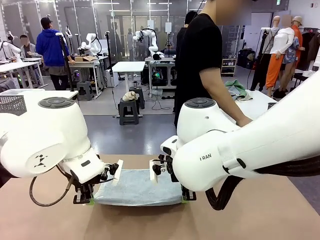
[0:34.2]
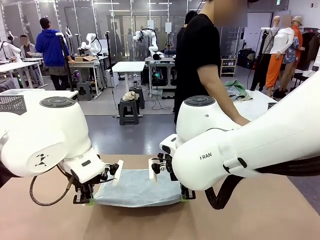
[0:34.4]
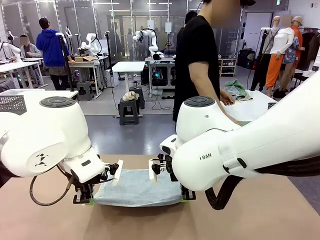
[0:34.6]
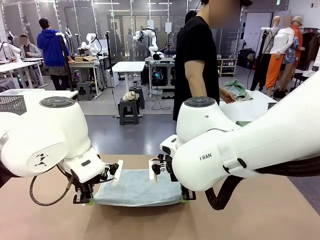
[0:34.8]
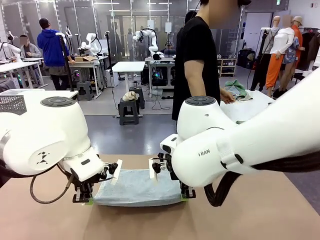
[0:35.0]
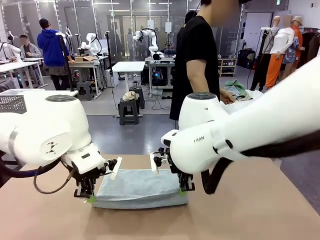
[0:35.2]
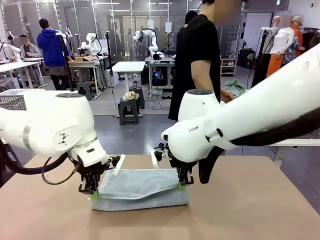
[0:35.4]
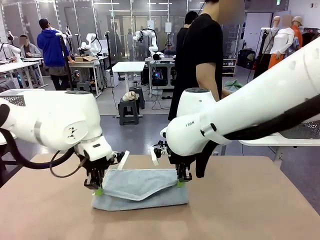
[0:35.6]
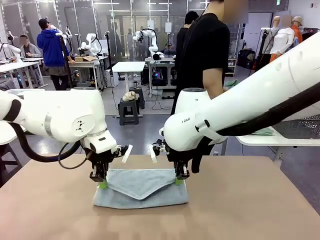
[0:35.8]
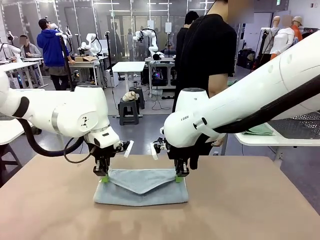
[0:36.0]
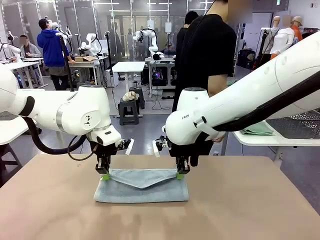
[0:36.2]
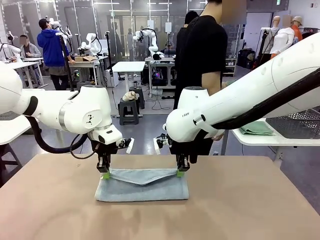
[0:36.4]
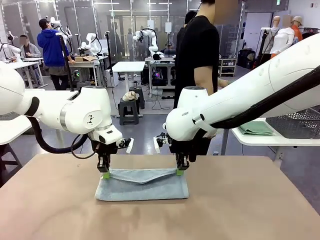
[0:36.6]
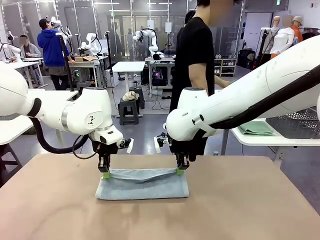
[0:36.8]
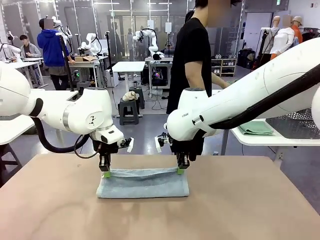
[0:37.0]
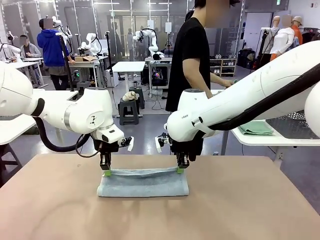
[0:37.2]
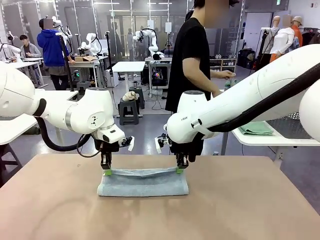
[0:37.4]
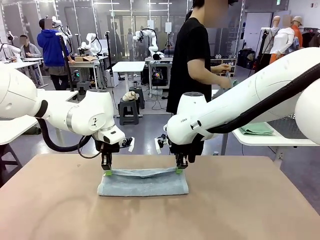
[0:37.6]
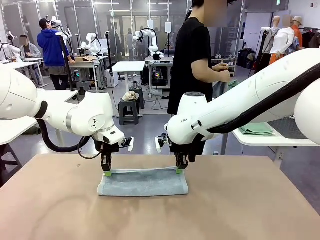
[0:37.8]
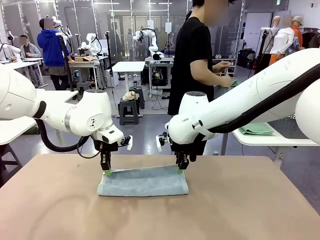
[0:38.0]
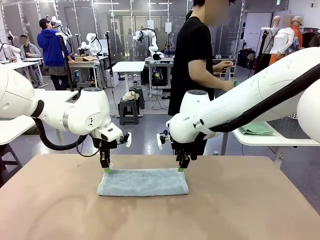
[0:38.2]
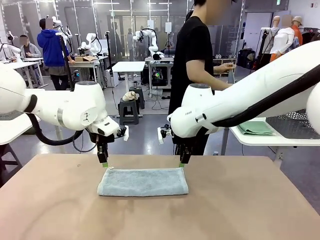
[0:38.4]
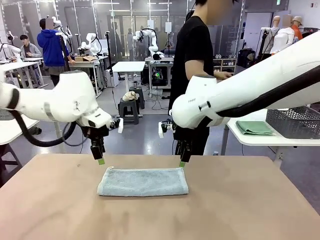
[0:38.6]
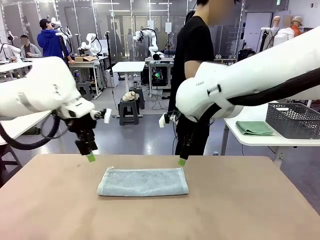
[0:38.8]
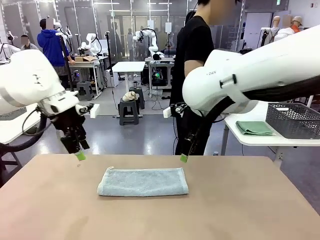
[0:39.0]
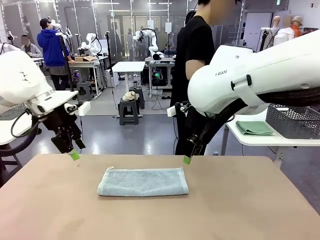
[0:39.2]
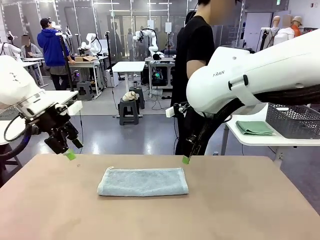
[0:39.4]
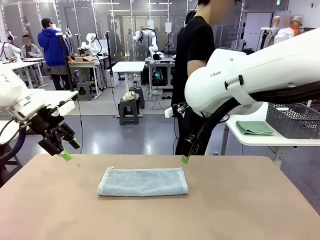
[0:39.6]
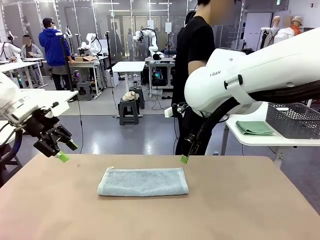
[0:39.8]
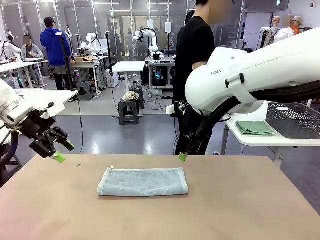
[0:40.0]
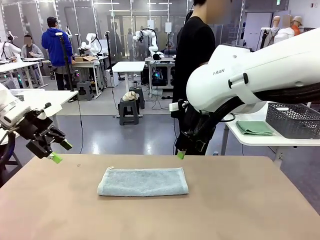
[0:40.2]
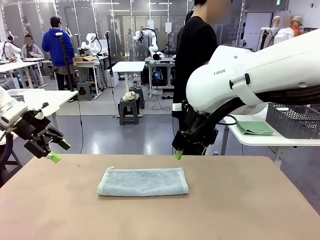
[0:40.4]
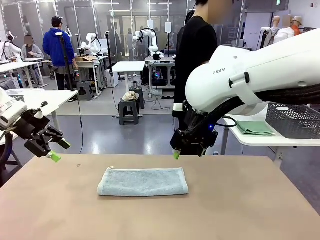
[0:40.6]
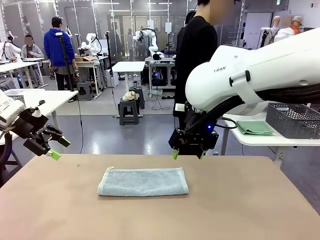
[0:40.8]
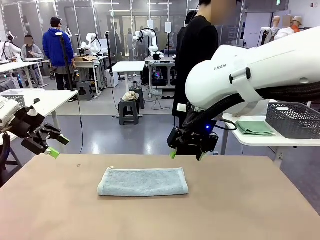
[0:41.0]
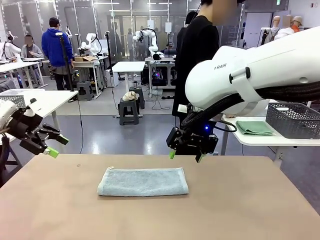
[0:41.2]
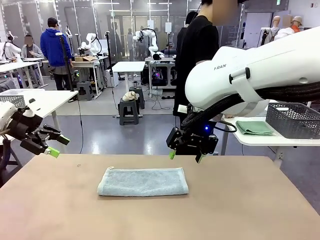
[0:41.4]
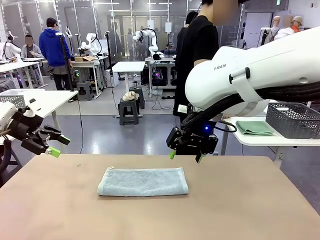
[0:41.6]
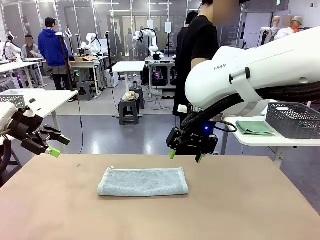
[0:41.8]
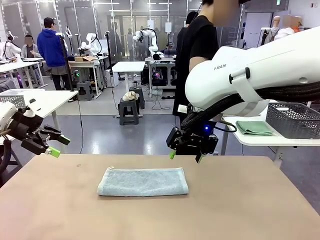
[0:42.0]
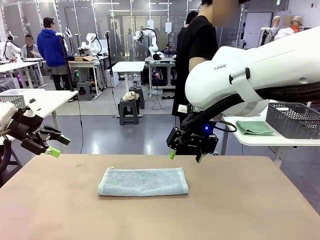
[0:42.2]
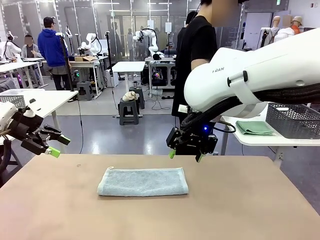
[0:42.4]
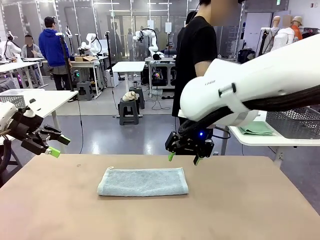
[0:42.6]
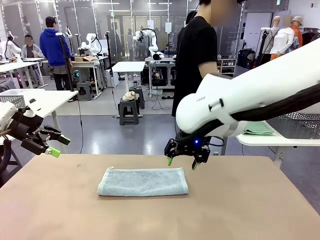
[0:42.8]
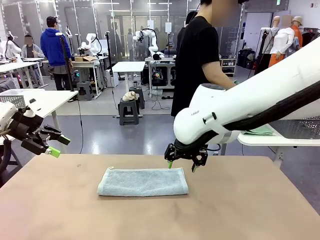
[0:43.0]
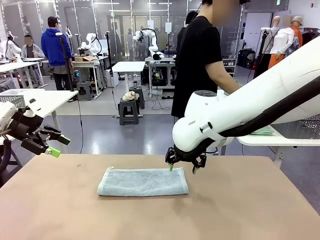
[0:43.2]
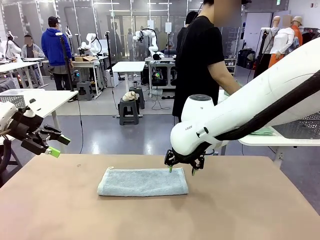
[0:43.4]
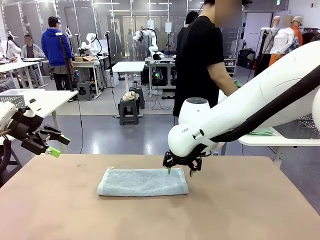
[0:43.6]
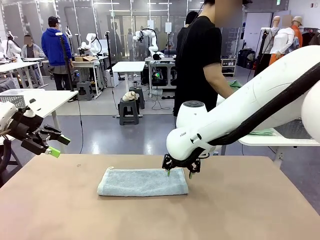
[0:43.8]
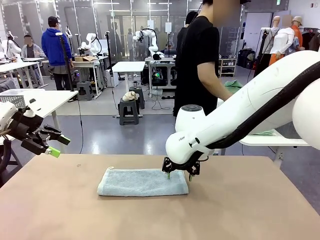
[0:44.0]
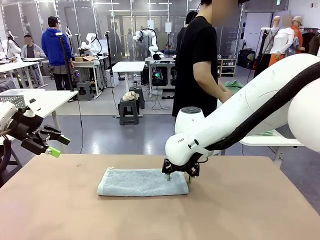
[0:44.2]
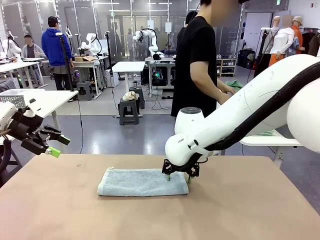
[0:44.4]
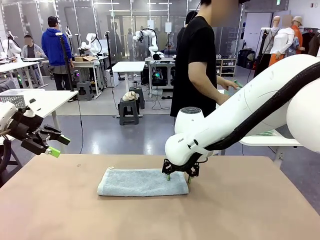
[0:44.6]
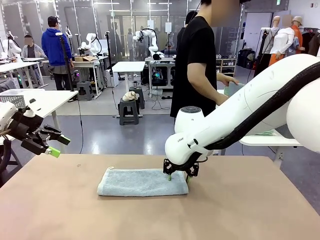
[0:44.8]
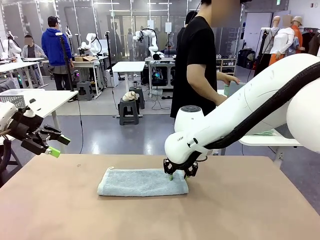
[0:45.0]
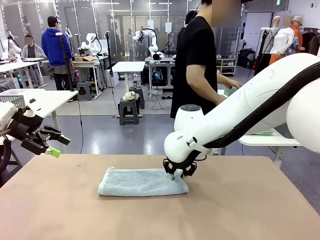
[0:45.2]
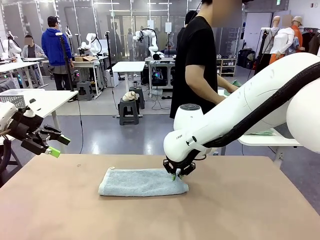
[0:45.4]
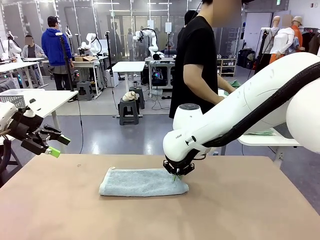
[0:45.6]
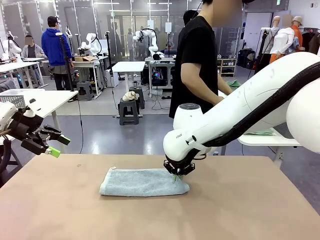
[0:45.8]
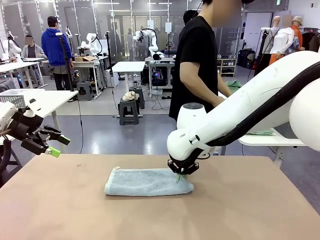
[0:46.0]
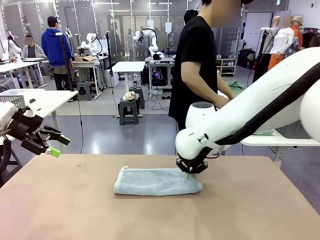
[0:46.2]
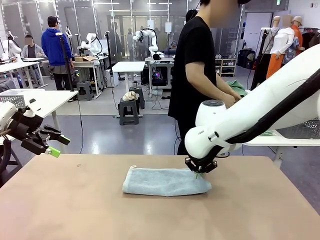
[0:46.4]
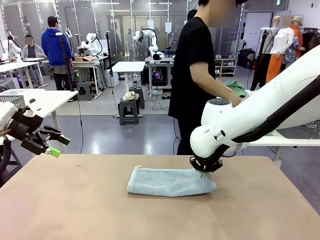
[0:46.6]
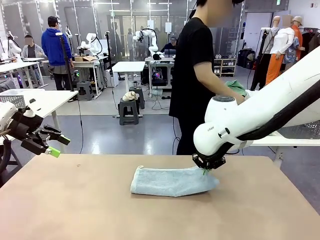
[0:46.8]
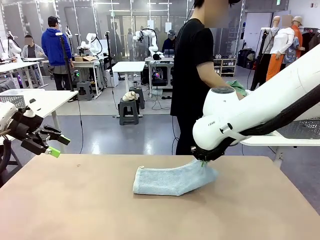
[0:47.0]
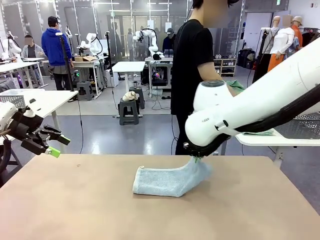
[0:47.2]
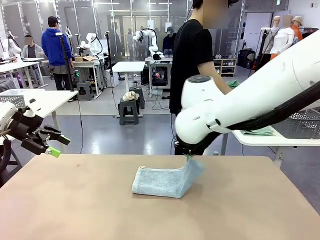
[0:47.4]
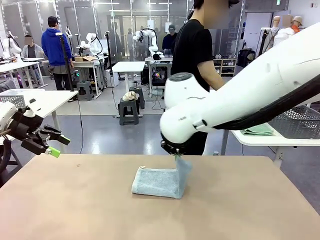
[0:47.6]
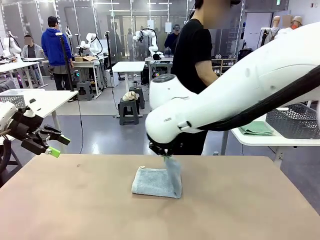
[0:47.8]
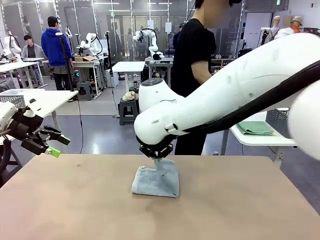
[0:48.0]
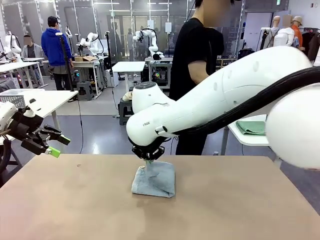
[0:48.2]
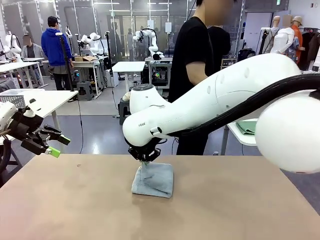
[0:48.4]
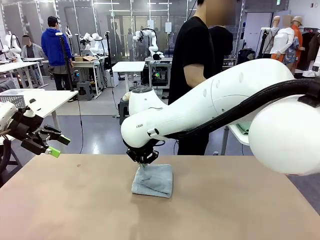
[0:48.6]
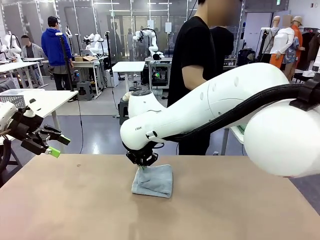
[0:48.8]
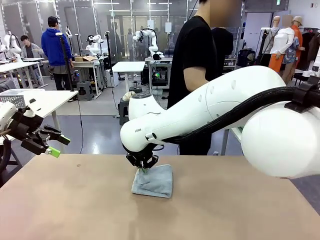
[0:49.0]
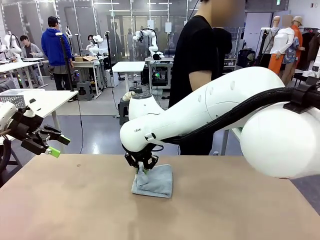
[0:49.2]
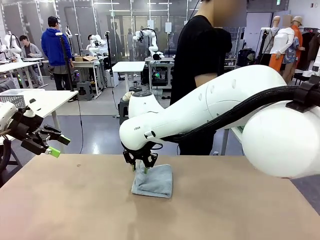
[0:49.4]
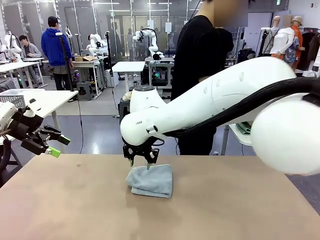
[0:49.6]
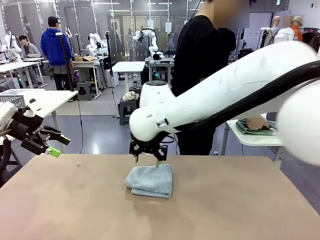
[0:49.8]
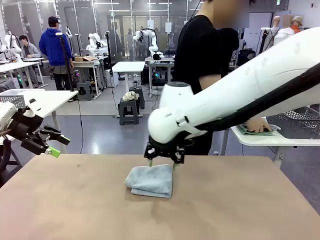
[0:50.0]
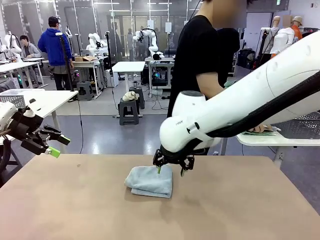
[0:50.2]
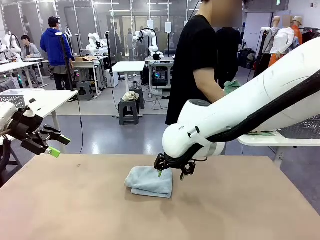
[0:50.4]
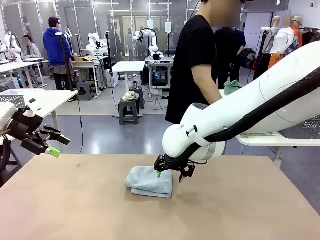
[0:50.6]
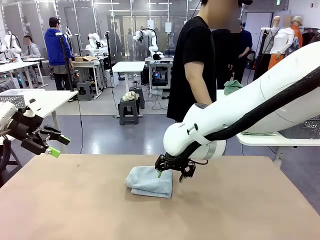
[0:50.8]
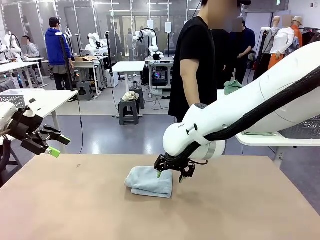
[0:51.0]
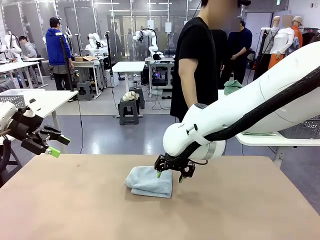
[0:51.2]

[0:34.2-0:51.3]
Task: Fold the towels and place them in the basket.
Robot: When a person lays out a Towel with hook on the table, fold it in half twice.
Person: Pick up one towel from the left side of the human table, fold it in half twice, and stack it on the right side of the table.

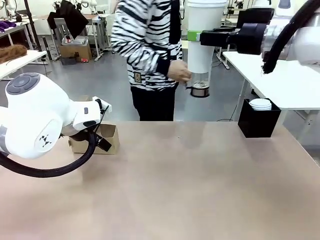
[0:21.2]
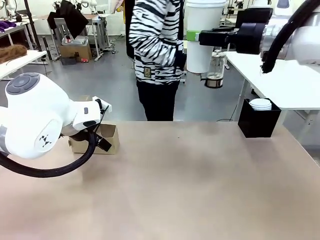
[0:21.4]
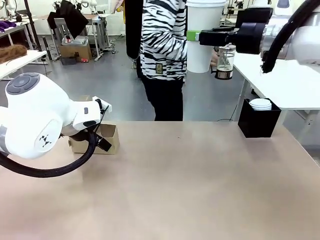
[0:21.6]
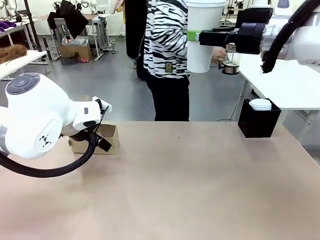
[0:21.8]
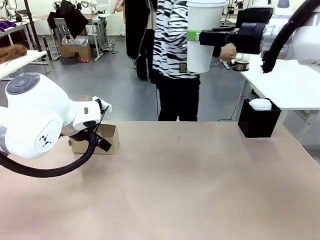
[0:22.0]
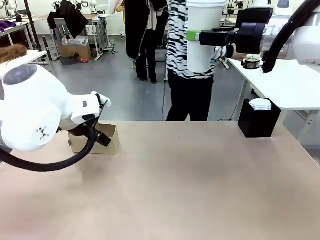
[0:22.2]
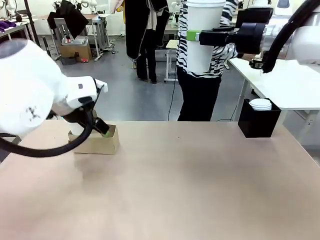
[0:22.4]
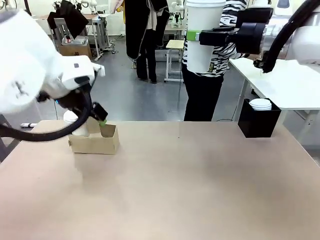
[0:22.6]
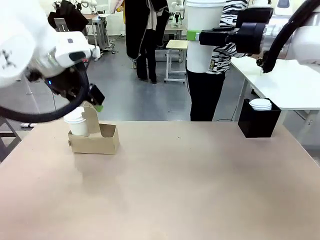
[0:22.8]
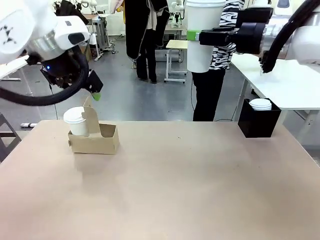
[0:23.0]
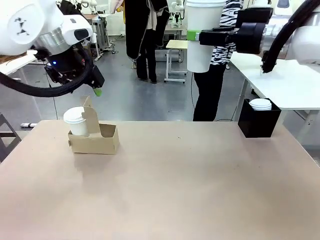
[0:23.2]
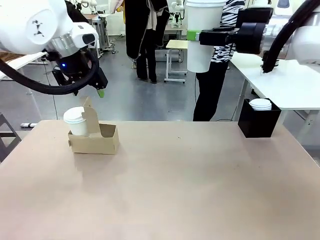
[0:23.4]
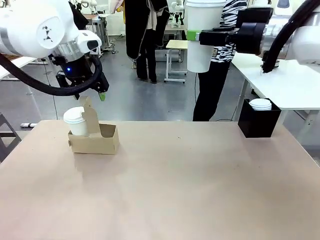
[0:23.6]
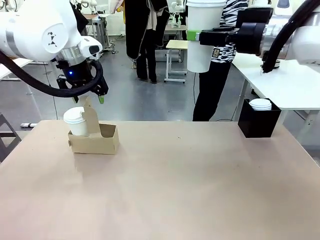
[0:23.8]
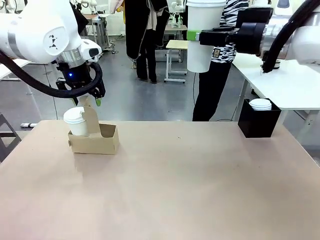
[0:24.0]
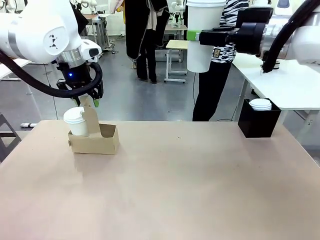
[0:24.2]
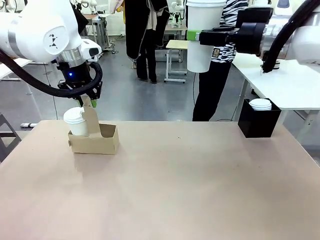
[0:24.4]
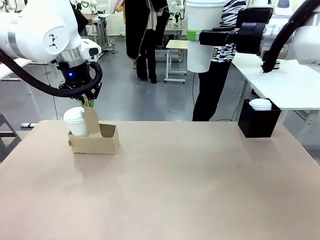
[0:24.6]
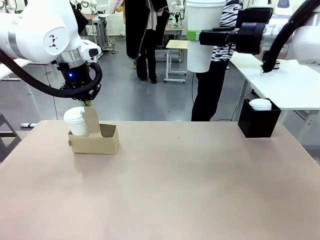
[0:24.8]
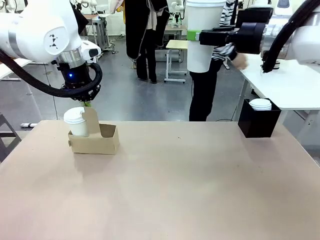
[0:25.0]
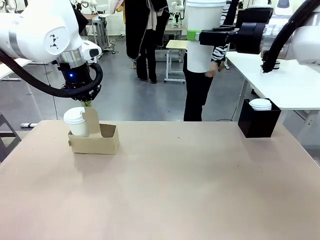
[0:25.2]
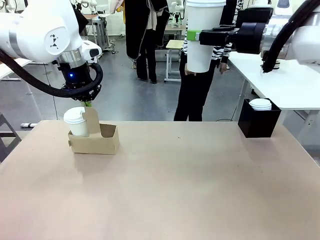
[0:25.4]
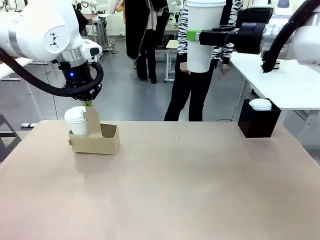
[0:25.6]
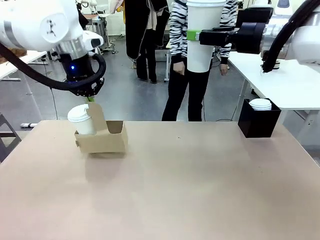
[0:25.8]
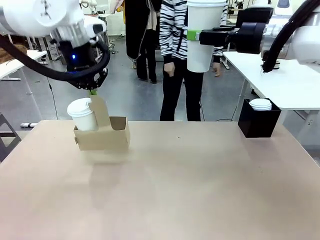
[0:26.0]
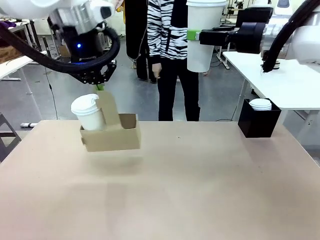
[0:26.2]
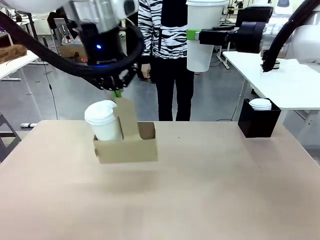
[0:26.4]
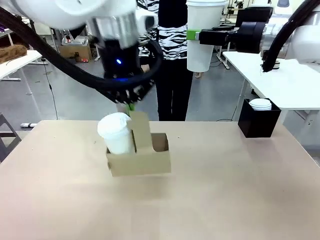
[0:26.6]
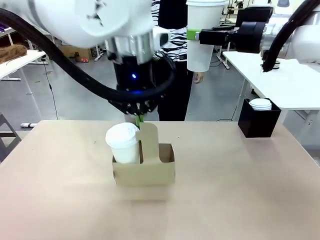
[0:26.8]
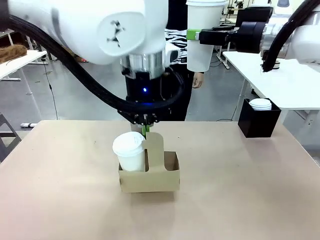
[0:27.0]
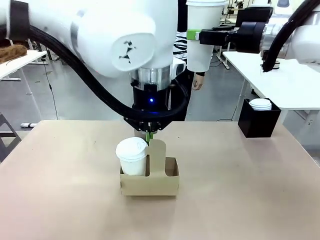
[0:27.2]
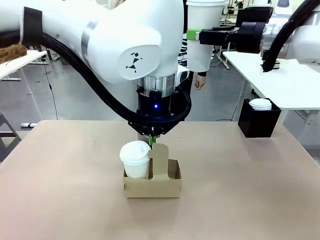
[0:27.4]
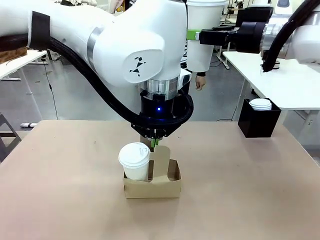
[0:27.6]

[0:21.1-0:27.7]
Task: Pour a drink into a cup and package it in a carrier.
Robot: Position the Cup Carrier in the center of the table.
Person: Pick up the Filter Brewing and place on the middle of Human table, and return to the Robot table.
